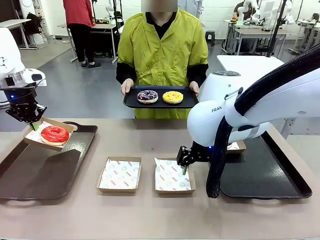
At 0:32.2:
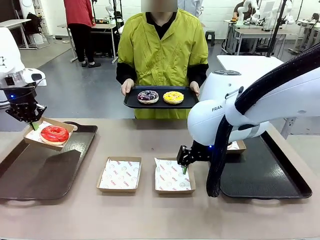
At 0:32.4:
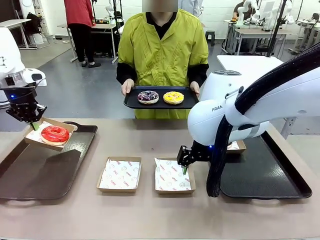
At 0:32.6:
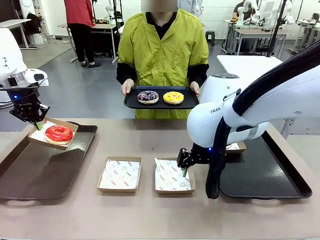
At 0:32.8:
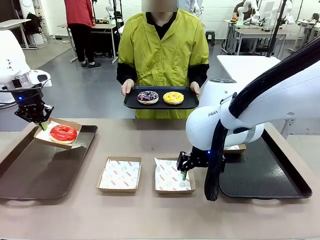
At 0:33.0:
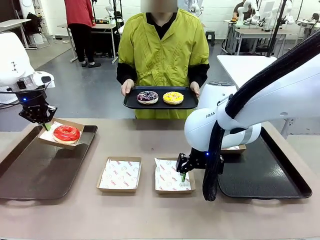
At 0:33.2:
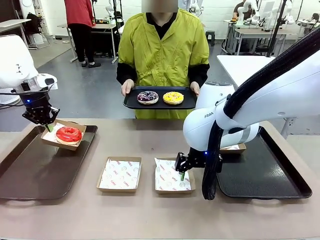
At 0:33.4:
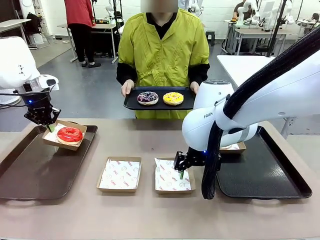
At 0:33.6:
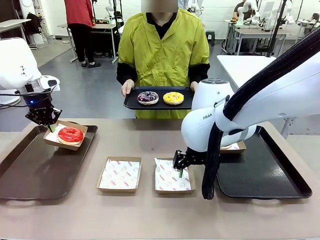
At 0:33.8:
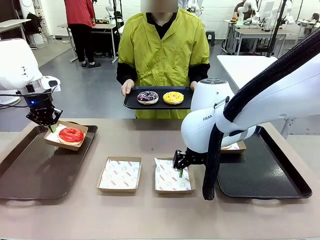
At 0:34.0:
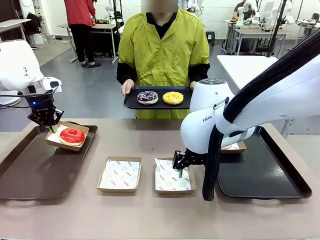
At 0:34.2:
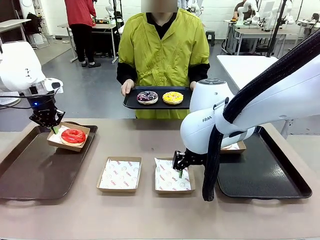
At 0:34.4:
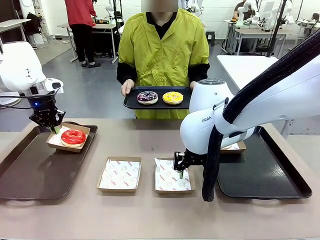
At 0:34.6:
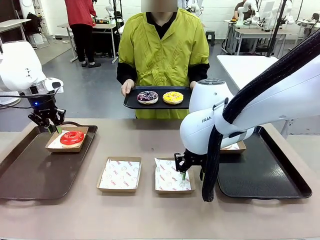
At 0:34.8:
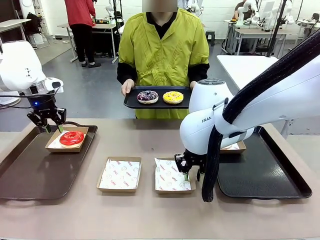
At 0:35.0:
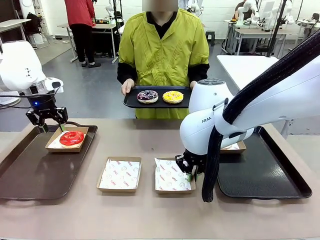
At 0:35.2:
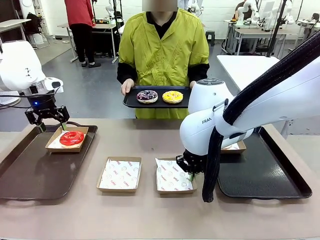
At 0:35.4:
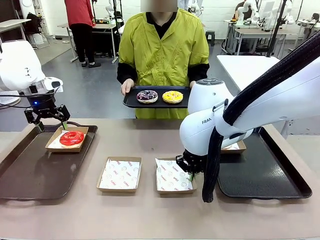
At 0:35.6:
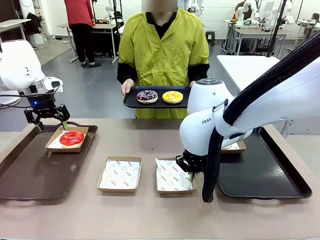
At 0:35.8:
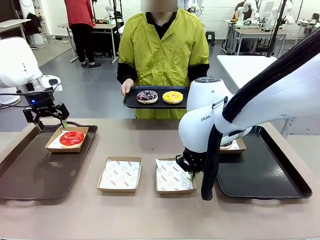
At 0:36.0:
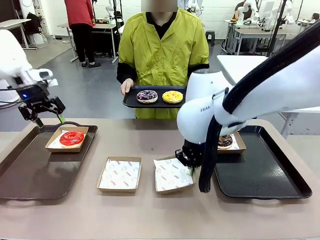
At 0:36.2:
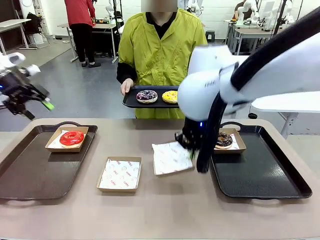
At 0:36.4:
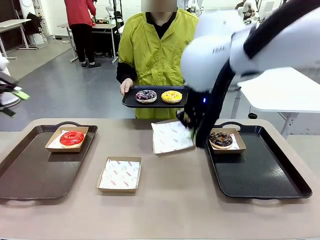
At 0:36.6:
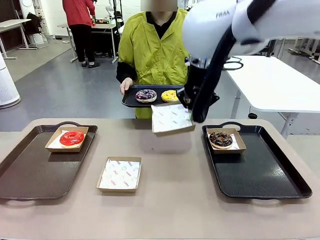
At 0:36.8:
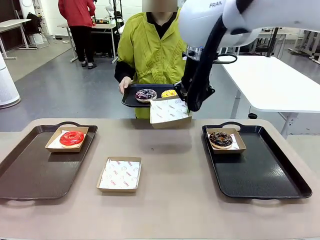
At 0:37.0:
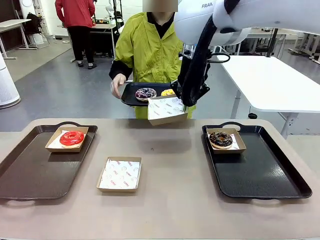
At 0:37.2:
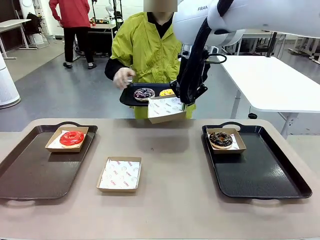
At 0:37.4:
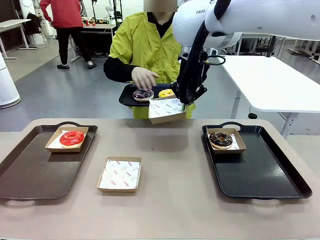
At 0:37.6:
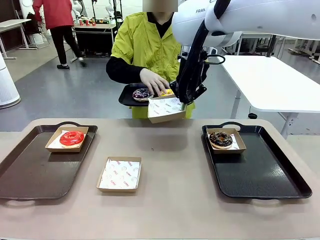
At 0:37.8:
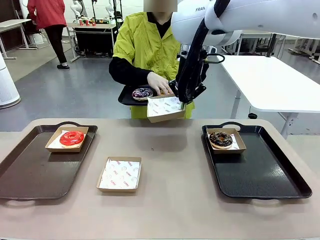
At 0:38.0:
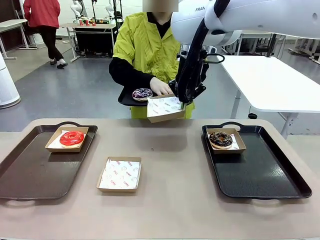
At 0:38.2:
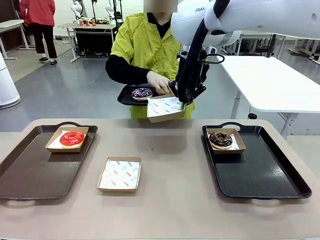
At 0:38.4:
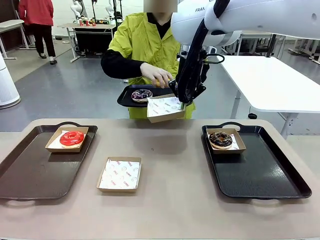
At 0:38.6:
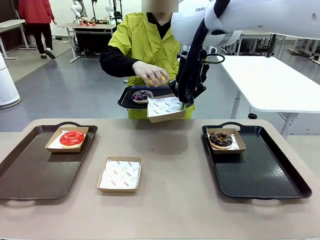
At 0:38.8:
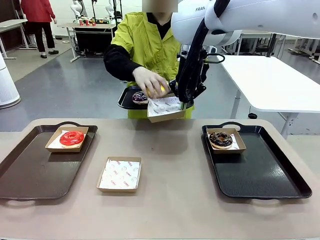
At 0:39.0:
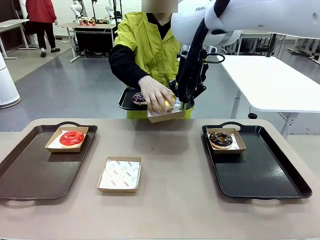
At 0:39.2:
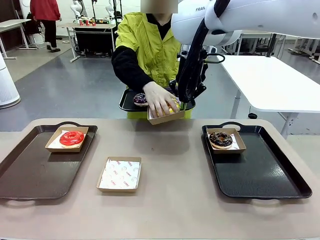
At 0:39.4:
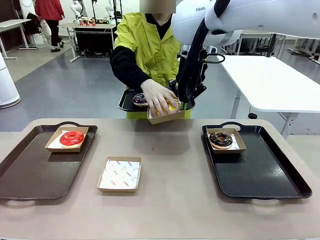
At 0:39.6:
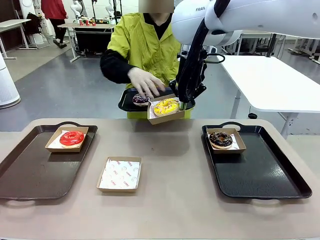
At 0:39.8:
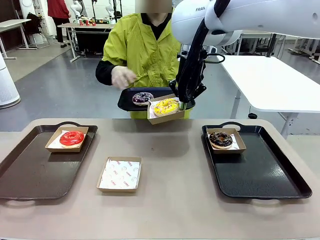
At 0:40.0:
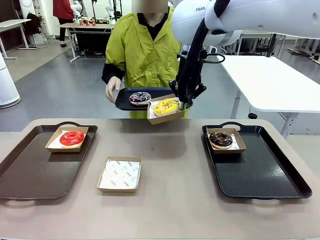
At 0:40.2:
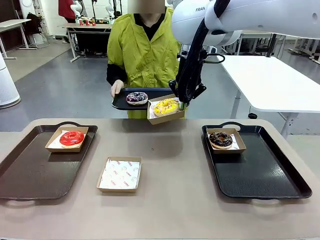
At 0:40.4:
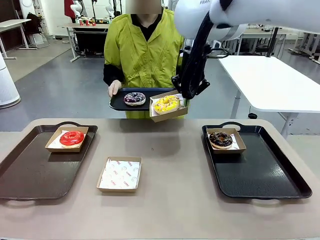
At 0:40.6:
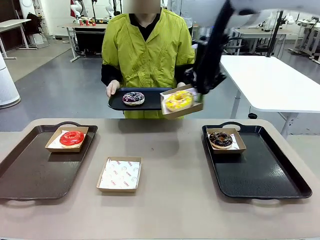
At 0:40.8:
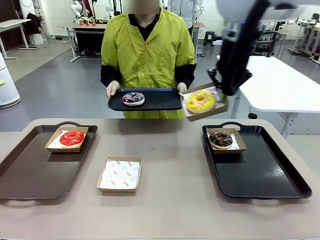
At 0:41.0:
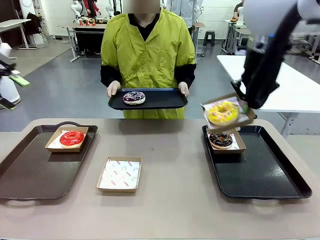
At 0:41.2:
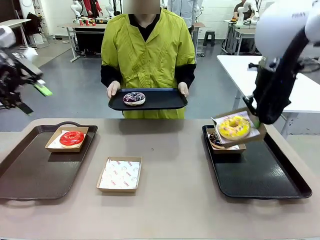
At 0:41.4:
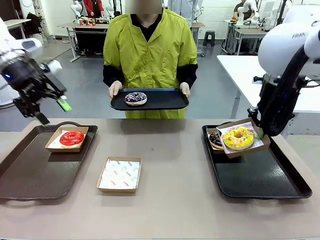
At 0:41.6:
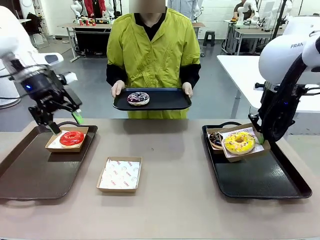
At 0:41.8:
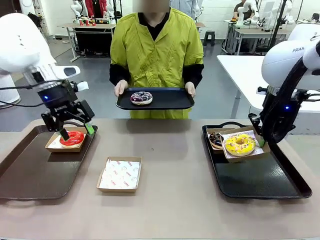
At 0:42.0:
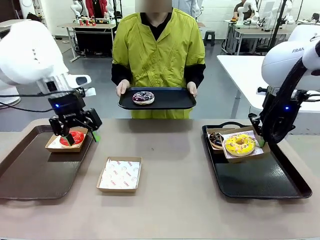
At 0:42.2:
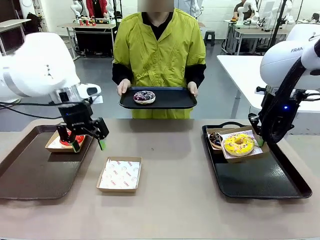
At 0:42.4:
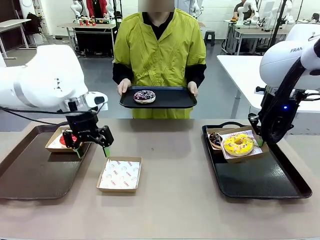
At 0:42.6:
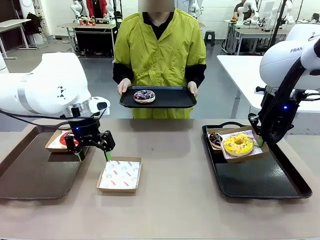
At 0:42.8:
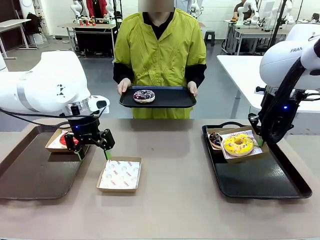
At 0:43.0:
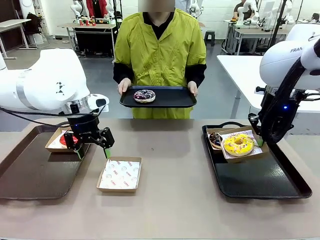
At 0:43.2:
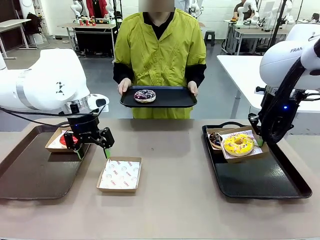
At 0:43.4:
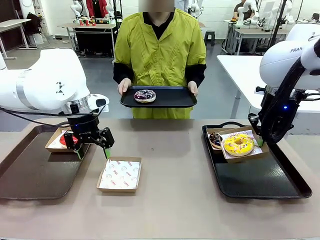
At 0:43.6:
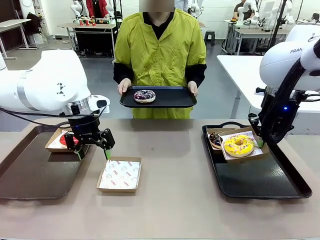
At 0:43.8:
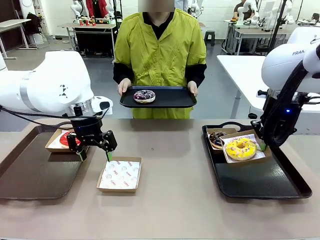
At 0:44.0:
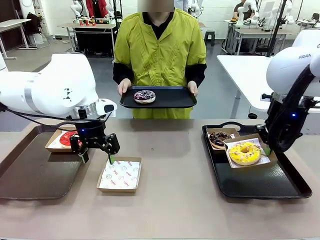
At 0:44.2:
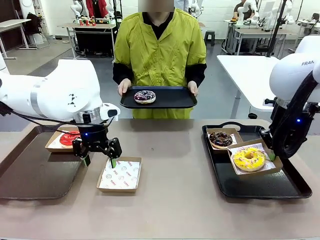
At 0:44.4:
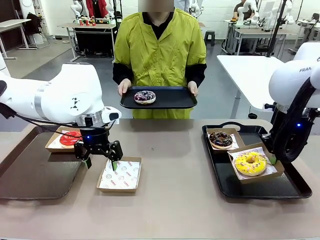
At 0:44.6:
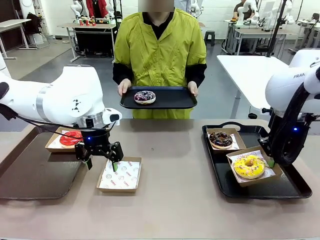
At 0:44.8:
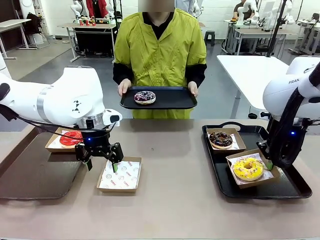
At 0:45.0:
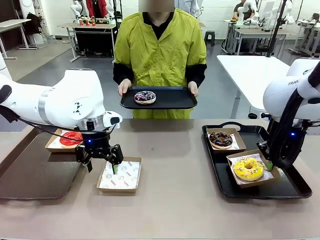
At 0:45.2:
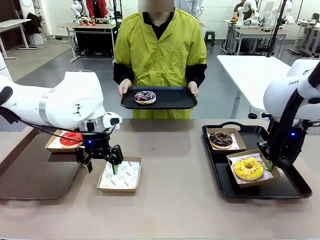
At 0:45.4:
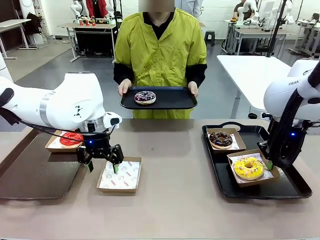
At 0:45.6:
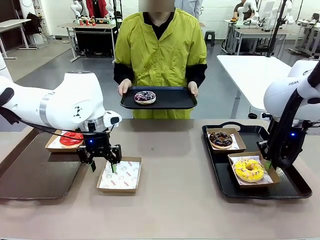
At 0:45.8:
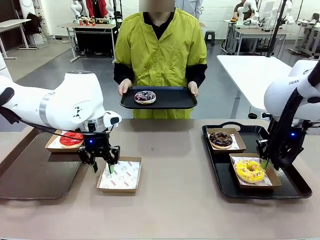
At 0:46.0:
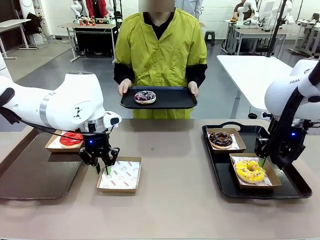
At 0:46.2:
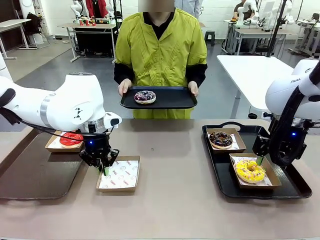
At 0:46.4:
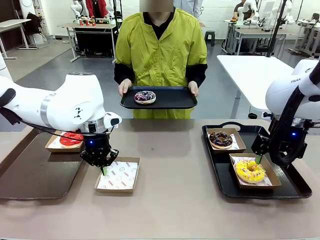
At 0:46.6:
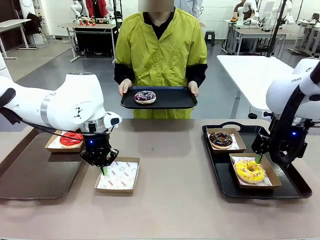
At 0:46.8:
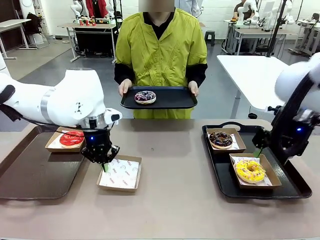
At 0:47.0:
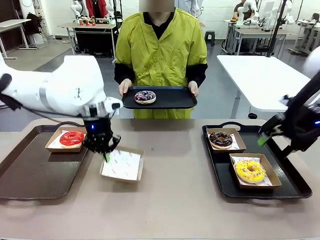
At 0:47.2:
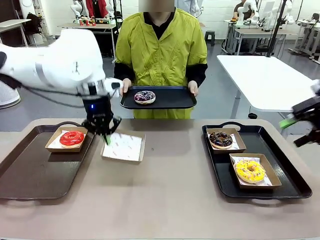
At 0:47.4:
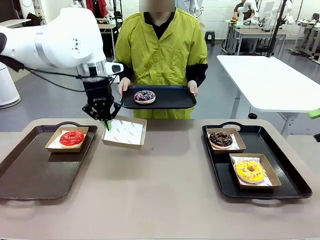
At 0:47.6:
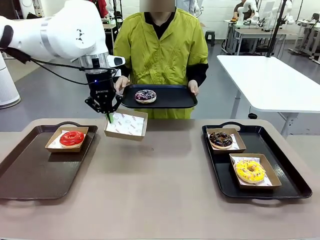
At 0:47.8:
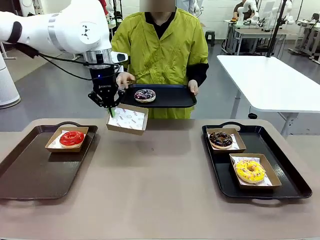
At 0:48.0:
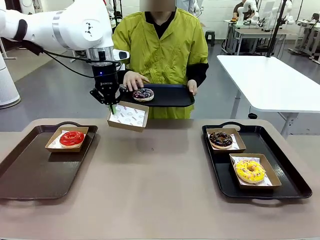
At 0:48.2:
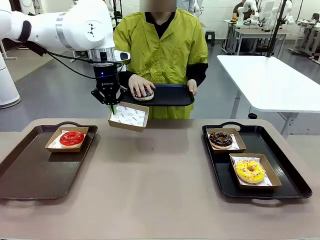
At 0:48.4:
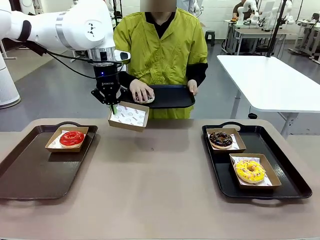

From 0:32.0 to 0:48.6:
Task: Individually package the donuts and arrange them on the tray.
Robot: Place the picked Paper togo box on the Handle tray while simultaneously picking up another Paper togo box from the table with the other hand.
